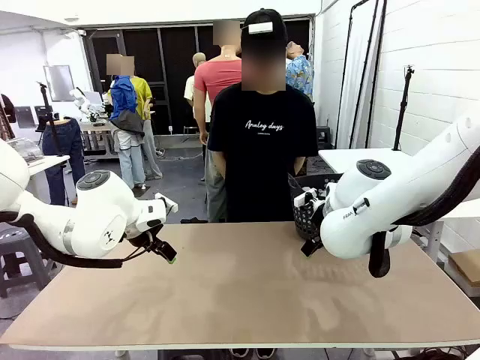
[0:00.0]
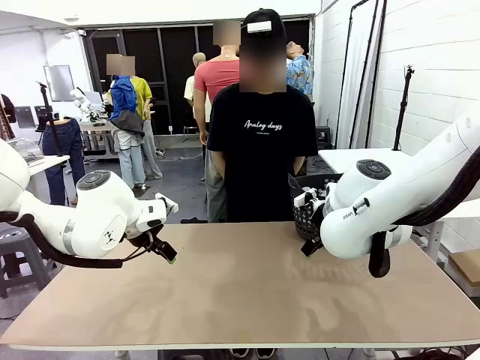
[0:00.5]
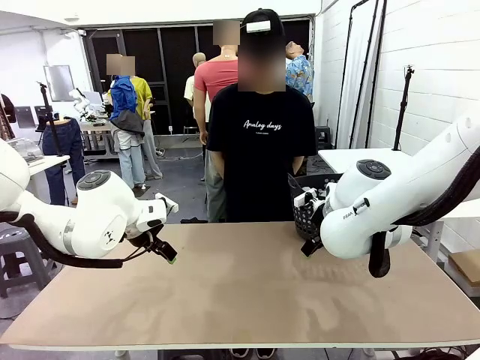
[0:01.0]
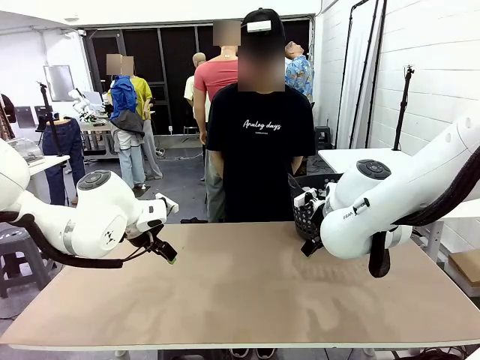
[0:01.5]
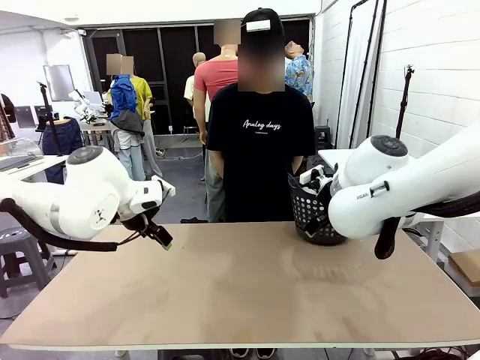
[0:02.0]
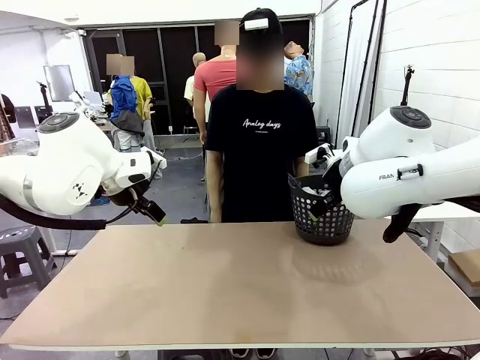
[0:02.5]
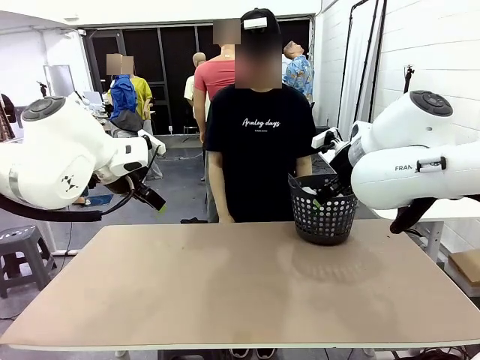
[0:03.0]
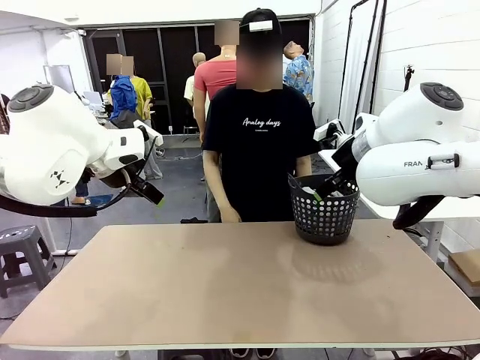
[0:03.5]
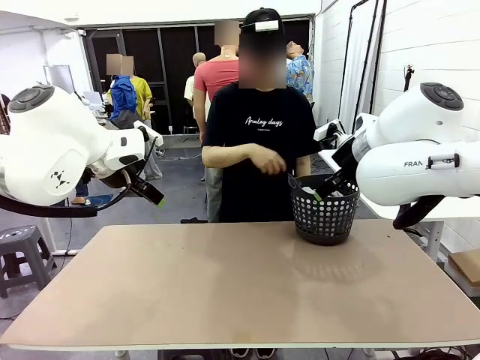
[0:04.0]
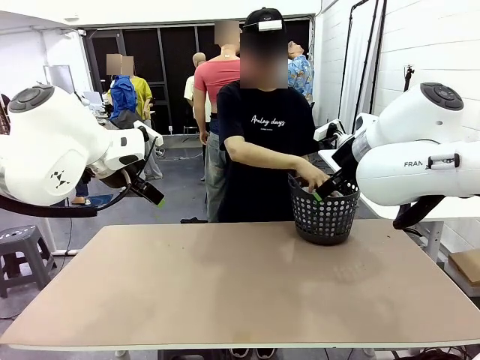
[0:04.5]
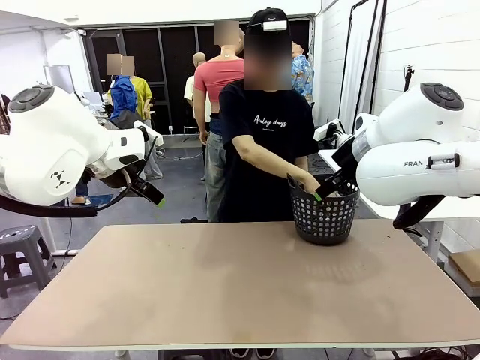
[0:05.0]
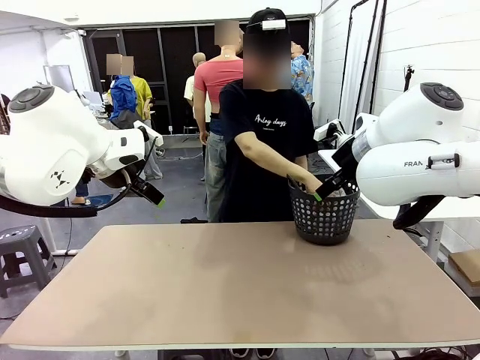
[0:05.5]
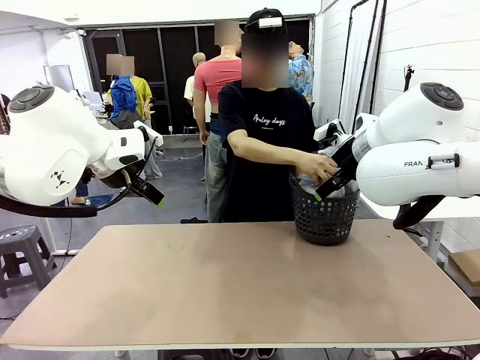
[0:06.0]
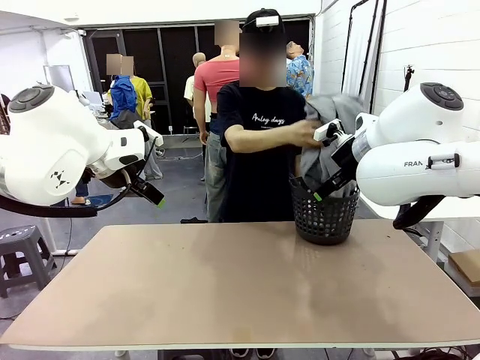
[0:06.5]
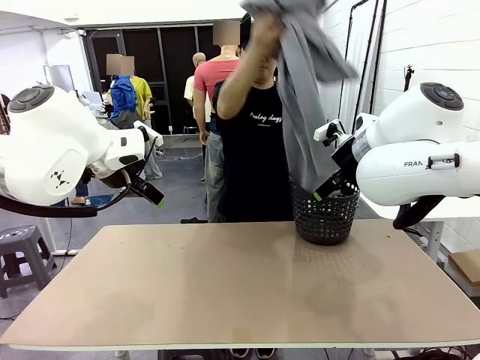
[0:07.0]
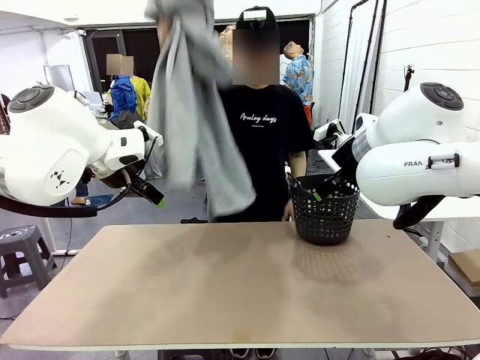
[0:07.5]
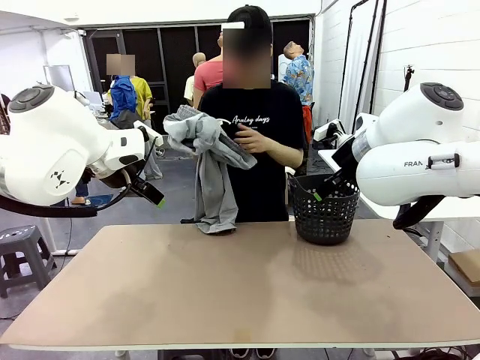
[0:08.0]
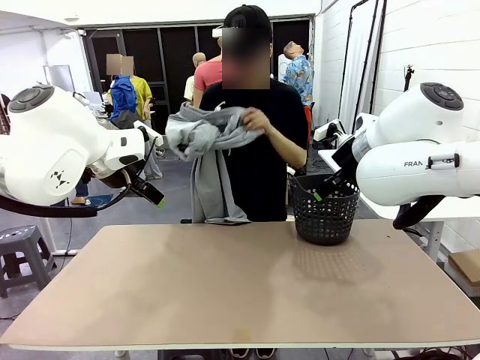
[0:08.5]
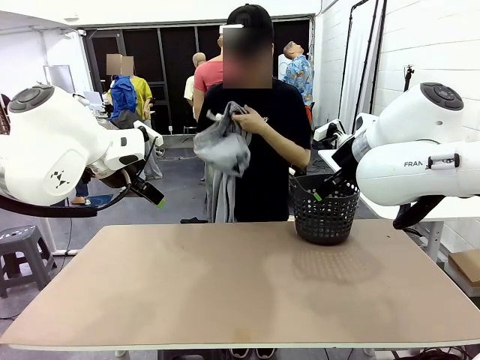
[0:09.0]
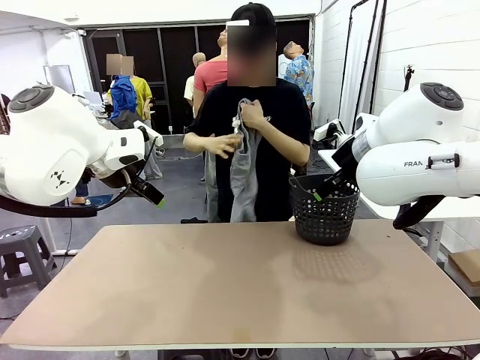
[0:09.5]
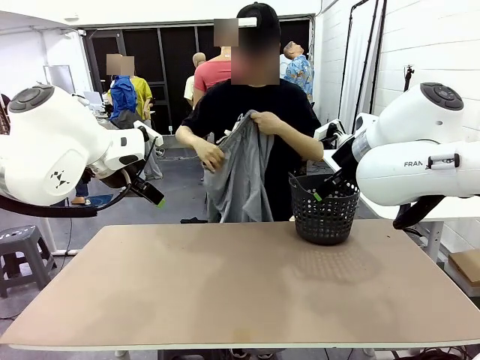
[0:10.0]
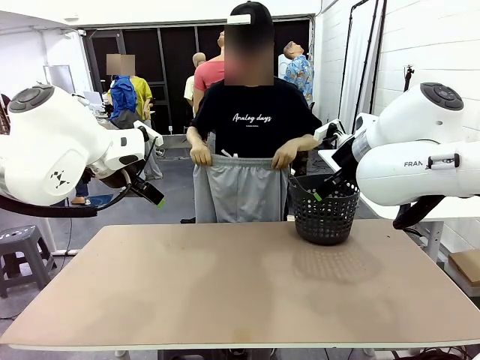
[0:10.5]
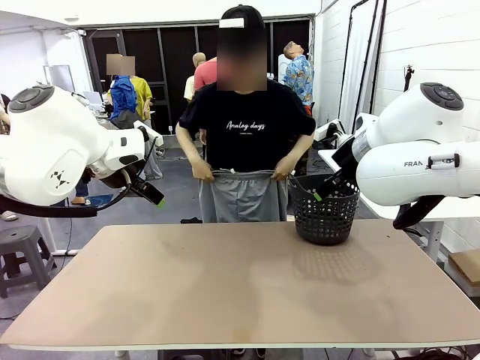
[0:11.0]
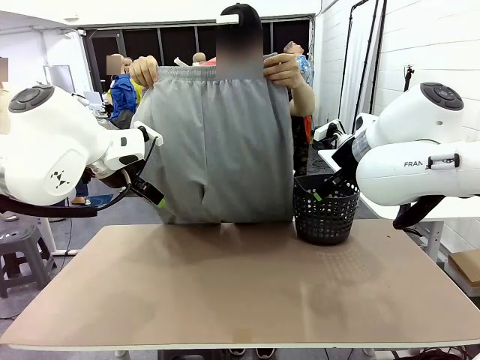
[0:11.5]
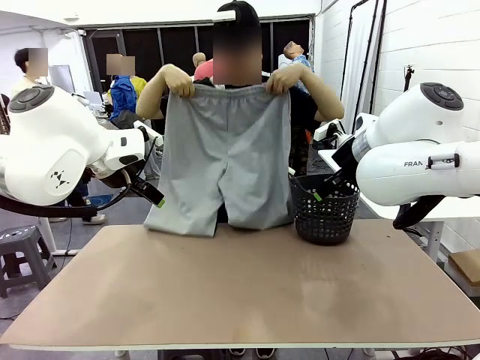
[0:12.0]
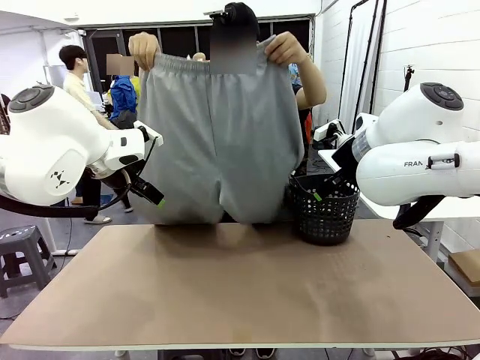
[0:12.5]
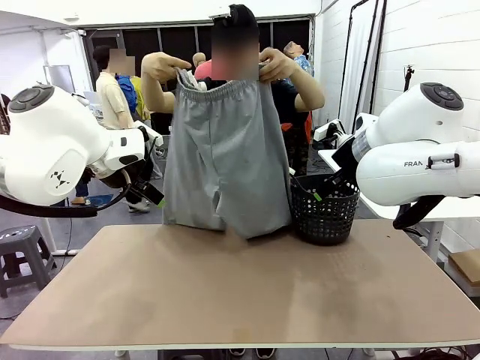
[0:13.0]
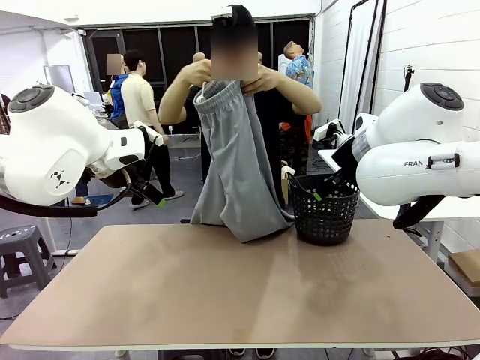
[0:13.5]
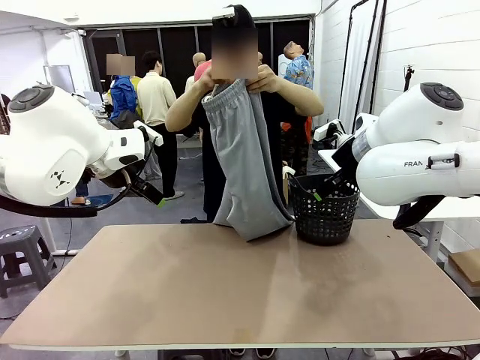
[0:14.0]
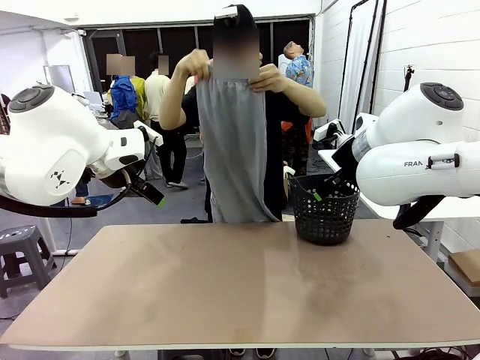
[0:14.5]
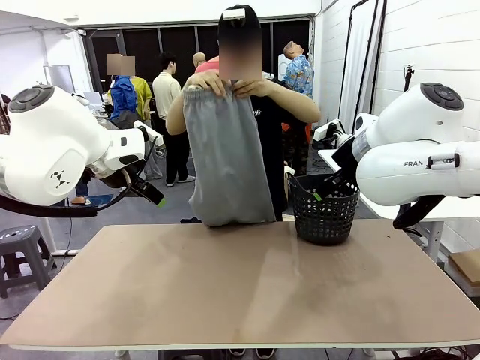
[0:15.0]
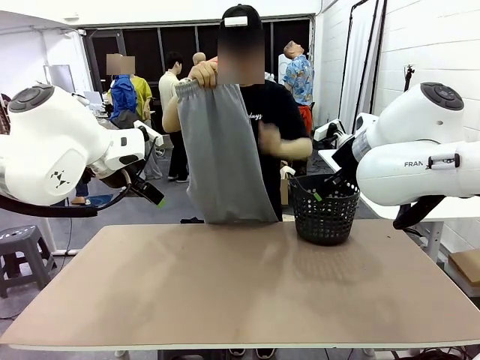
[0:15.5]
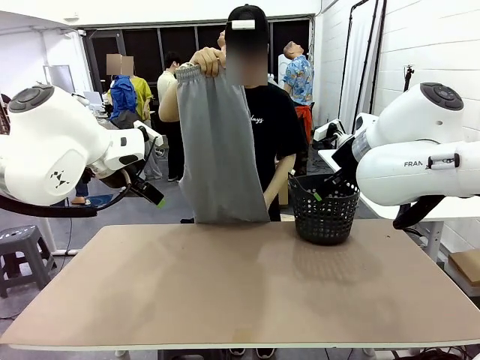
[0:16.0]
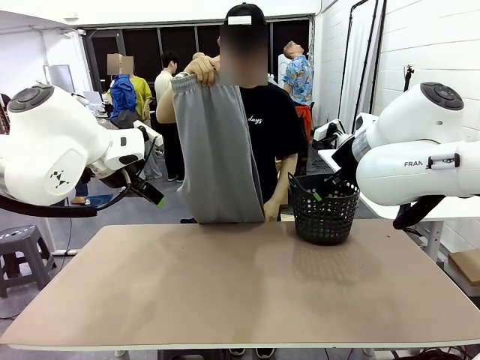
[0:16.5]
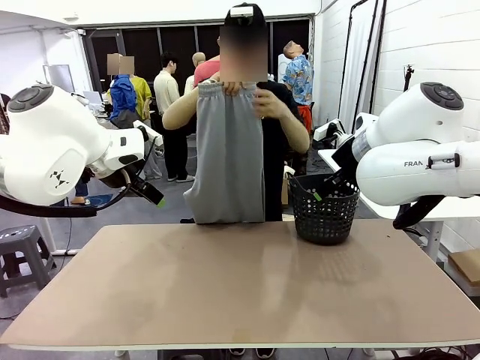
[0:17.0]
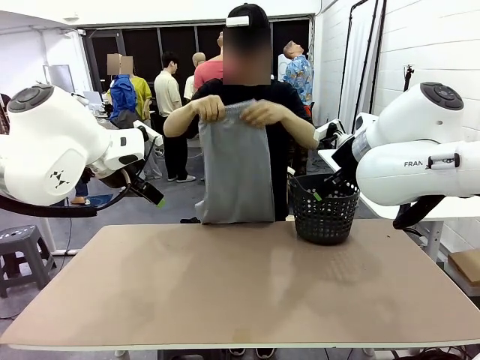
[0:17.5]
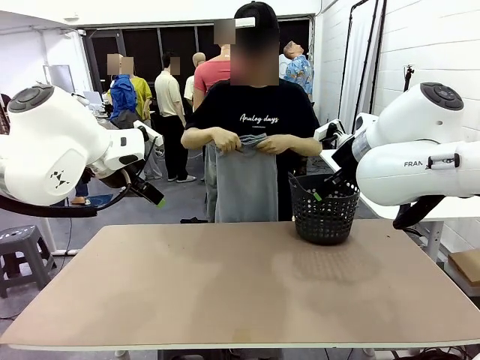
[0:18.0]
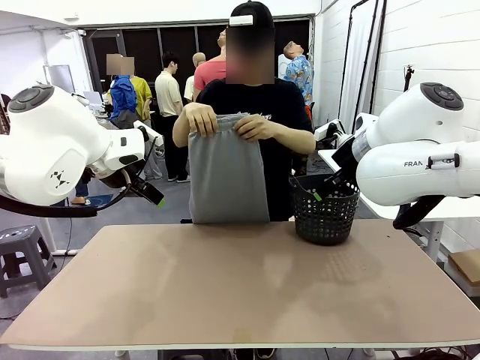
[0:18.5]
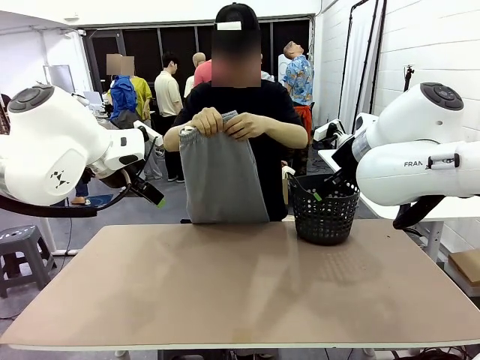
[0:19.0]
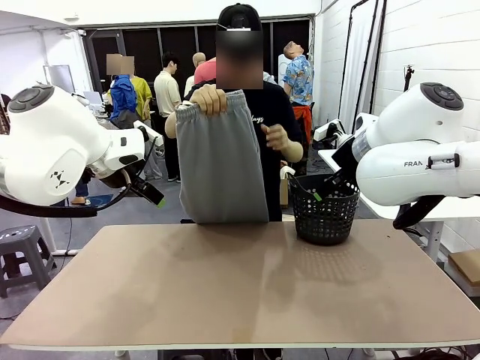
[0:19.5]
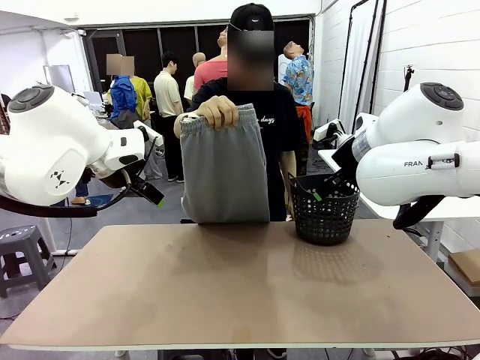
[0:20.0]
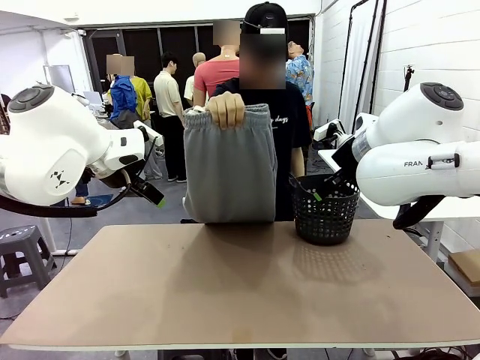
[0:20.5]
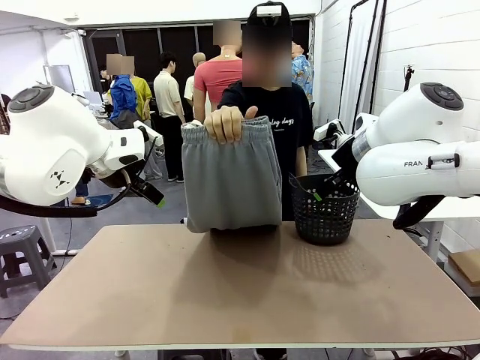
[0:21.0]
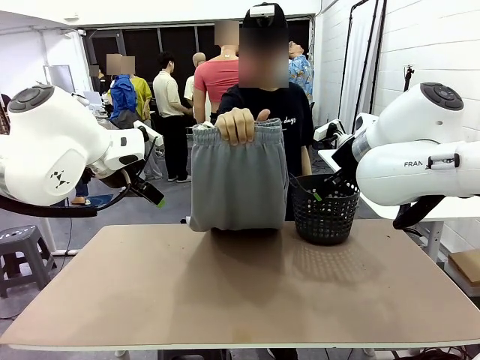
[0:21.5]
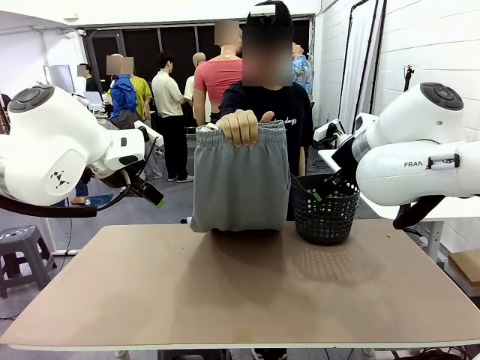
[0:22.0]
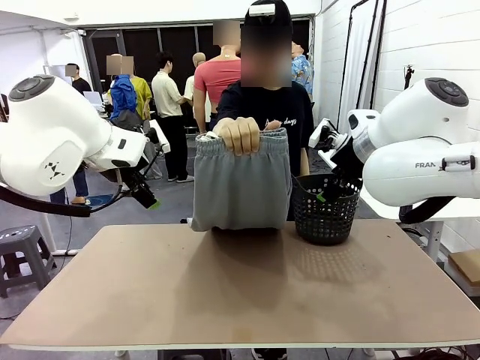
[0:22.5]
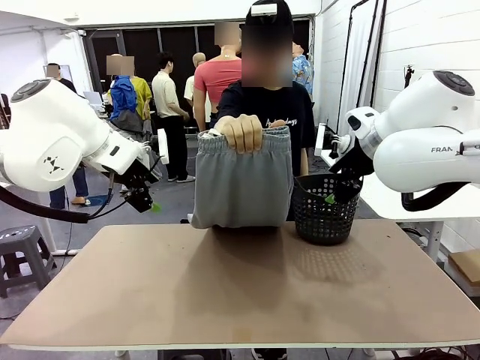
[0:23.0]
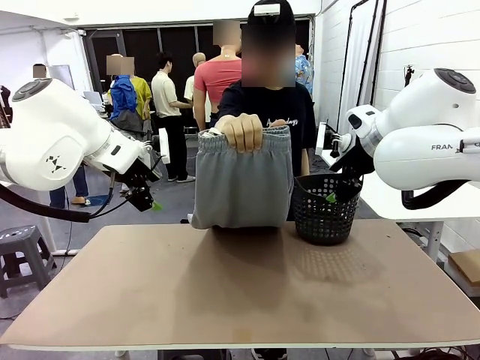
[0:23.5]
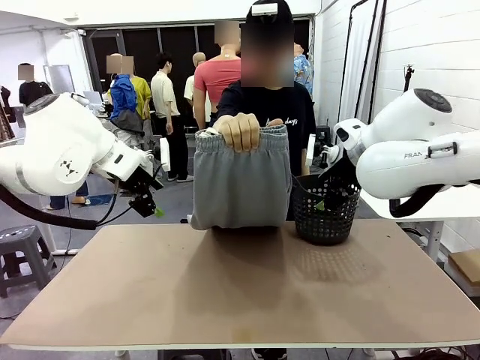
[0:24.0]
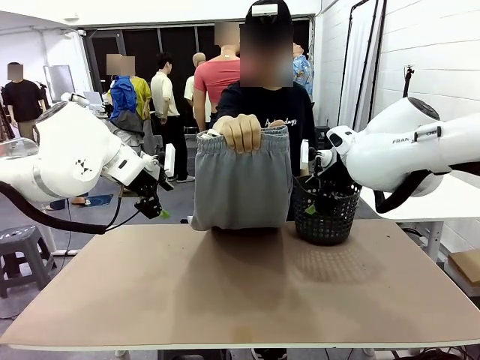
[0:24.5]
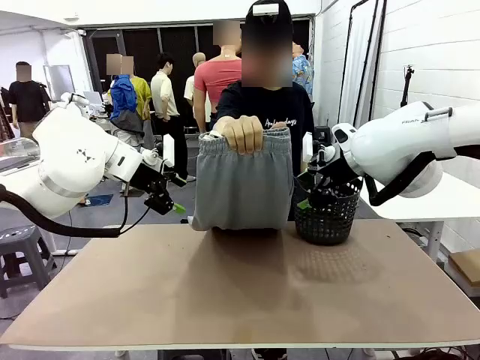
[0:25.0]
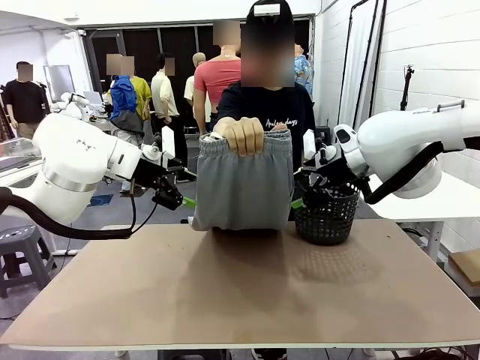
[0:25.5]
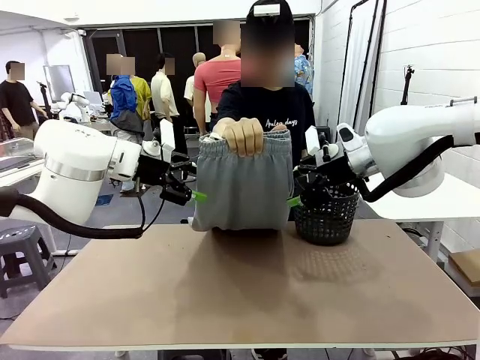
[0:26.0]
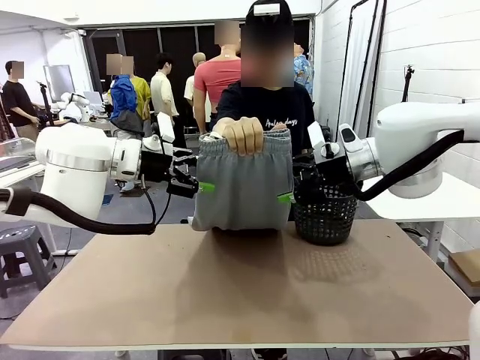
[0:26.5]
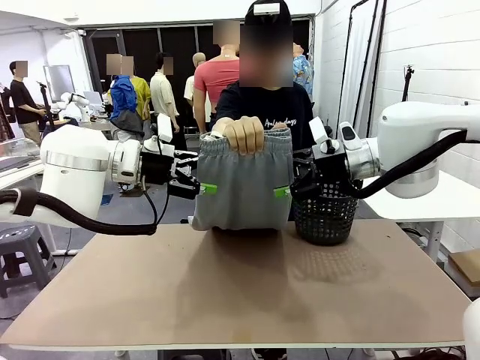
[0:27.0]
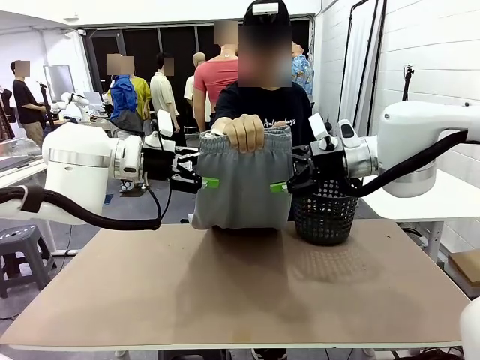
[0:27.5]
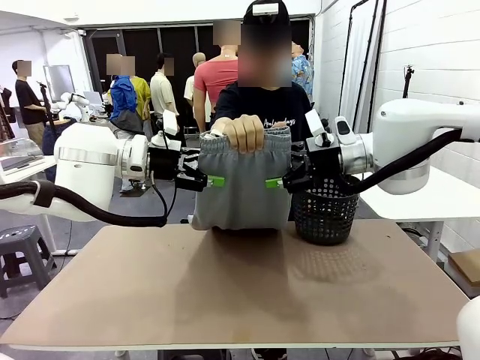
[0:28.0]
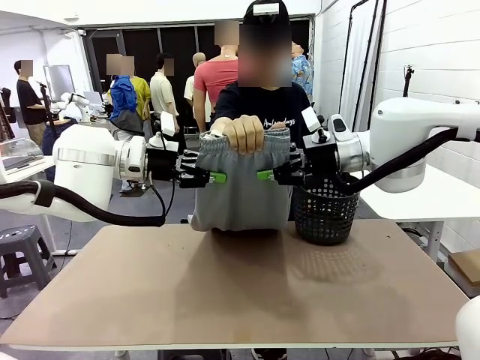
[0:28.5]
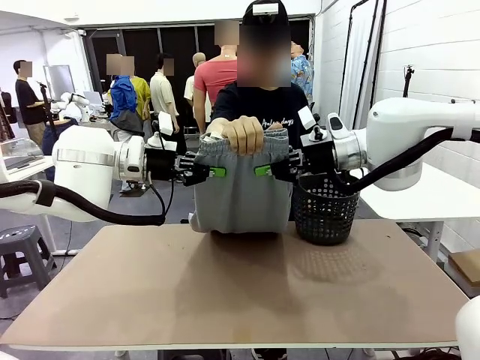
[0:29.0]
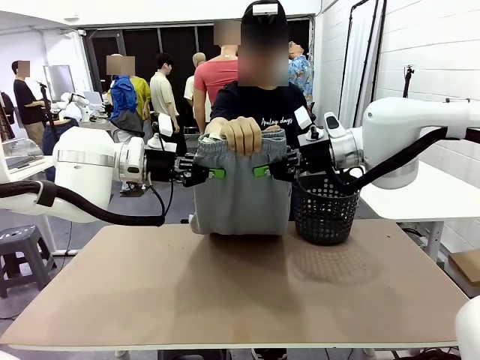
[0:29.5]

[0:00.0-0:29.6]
Task: Fold the training pants.
Robot: Grab both ends of the Training pants handed by a person.
Person: Take the long pants out of the laundry basket, unfold them, fold the waist in half, and extend them so the robot can pick up both corners.
